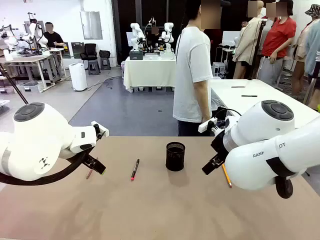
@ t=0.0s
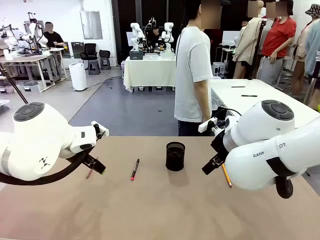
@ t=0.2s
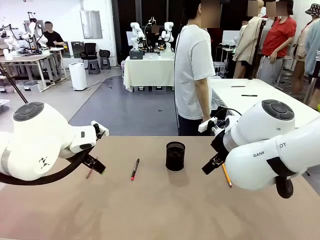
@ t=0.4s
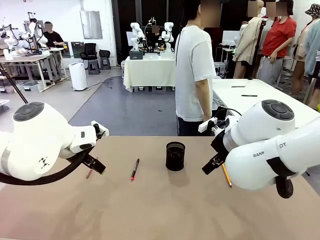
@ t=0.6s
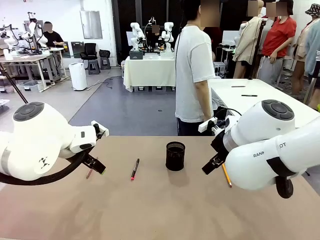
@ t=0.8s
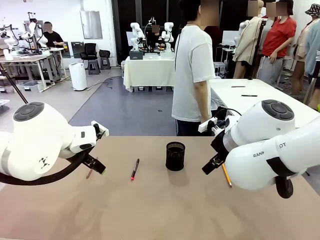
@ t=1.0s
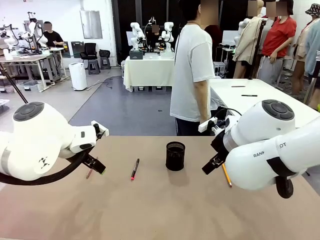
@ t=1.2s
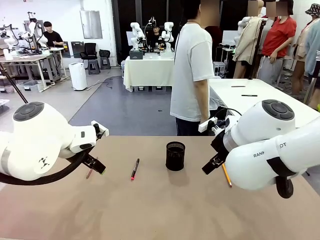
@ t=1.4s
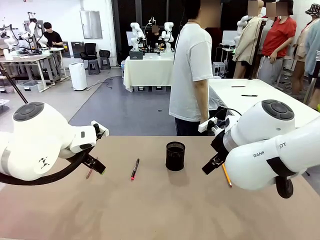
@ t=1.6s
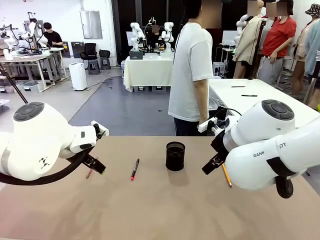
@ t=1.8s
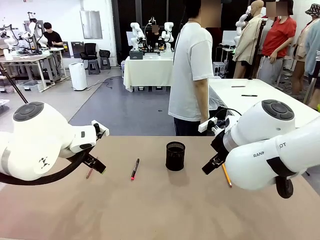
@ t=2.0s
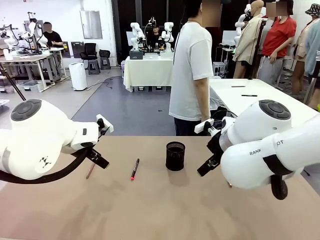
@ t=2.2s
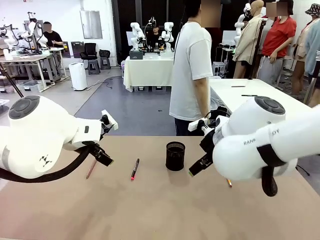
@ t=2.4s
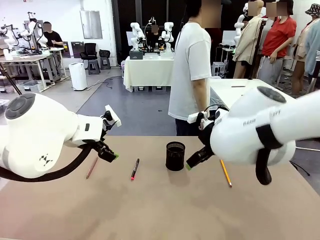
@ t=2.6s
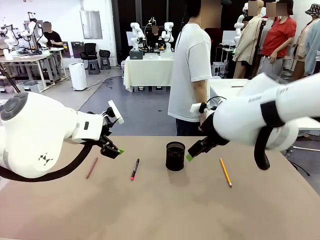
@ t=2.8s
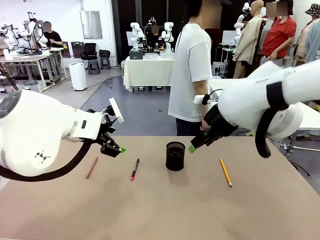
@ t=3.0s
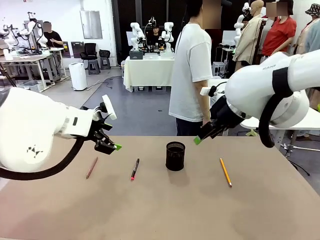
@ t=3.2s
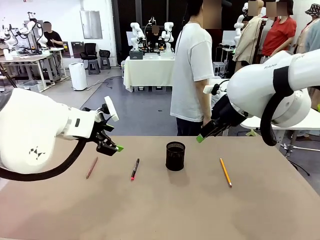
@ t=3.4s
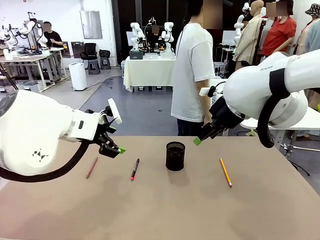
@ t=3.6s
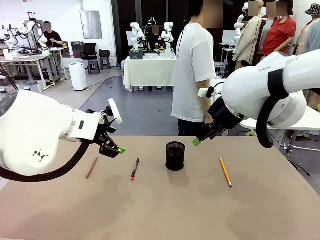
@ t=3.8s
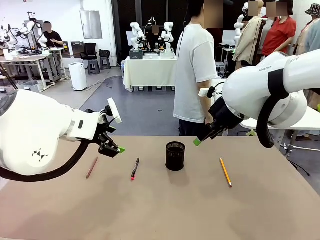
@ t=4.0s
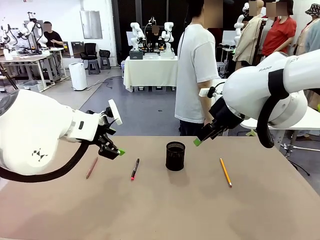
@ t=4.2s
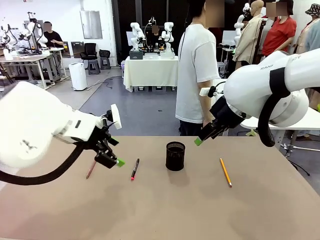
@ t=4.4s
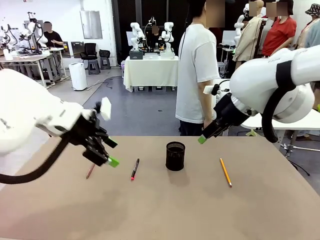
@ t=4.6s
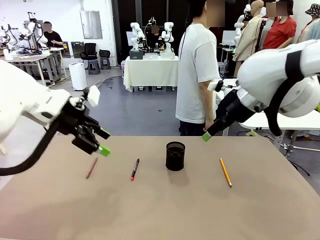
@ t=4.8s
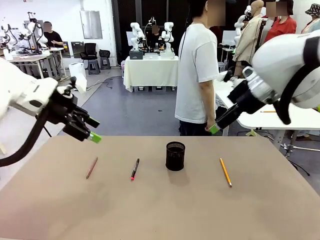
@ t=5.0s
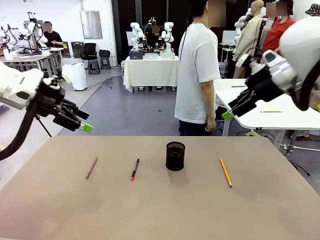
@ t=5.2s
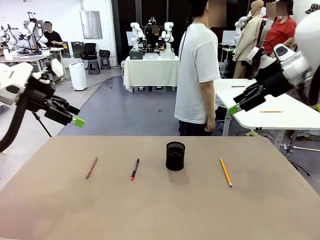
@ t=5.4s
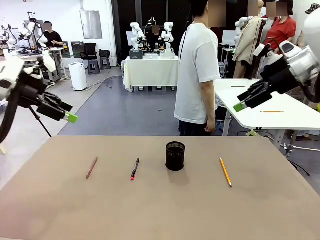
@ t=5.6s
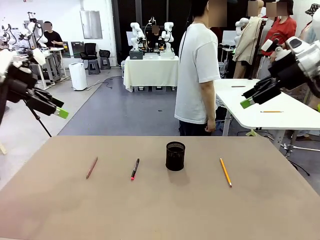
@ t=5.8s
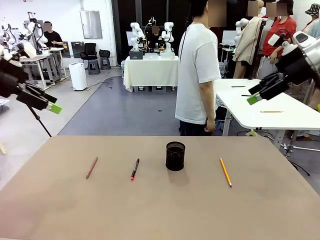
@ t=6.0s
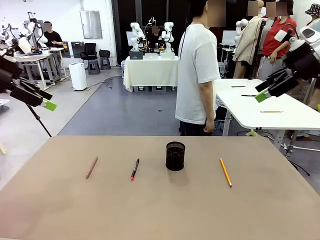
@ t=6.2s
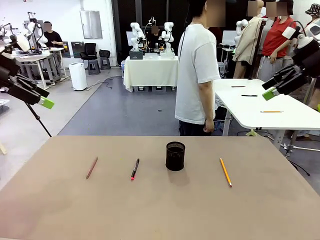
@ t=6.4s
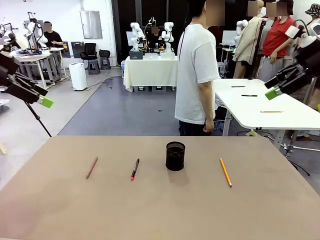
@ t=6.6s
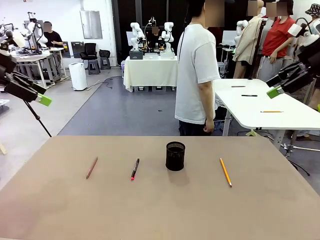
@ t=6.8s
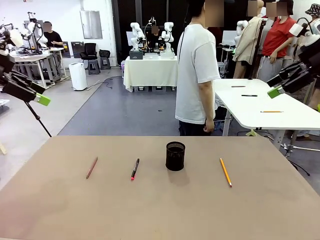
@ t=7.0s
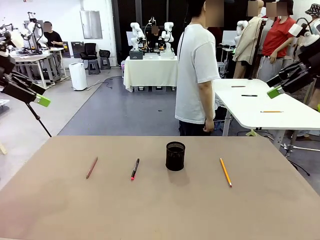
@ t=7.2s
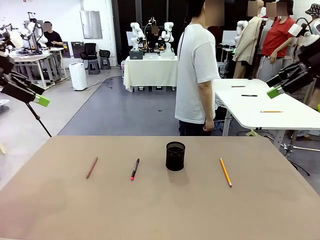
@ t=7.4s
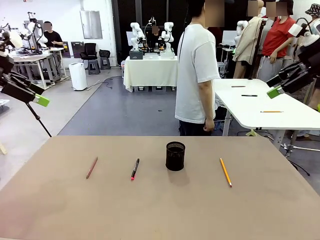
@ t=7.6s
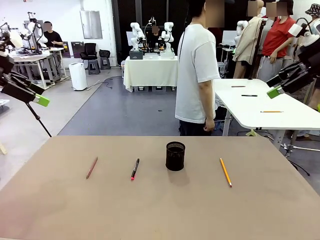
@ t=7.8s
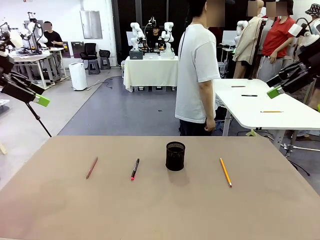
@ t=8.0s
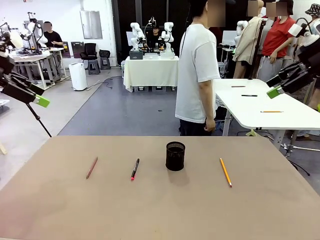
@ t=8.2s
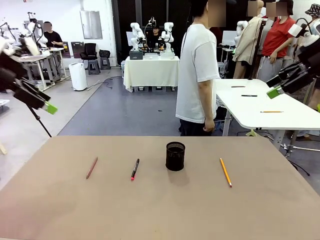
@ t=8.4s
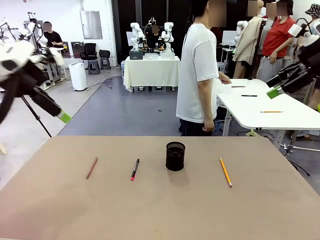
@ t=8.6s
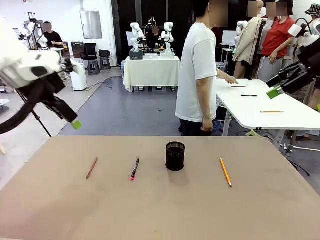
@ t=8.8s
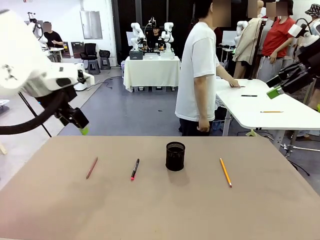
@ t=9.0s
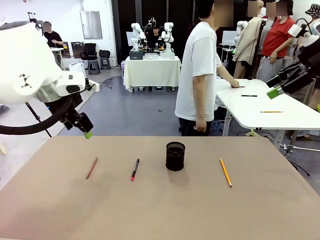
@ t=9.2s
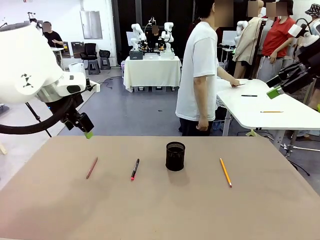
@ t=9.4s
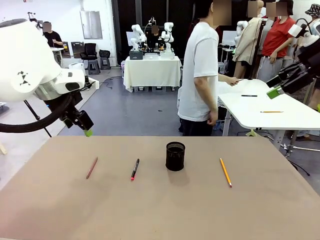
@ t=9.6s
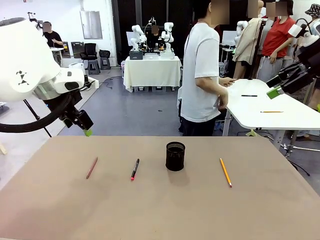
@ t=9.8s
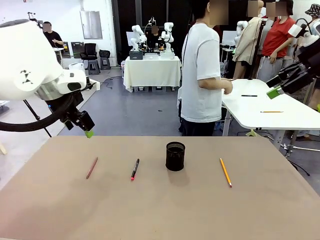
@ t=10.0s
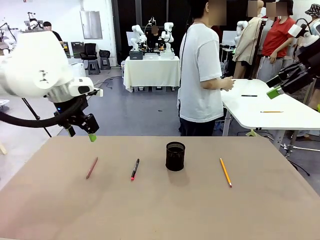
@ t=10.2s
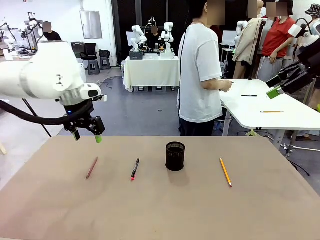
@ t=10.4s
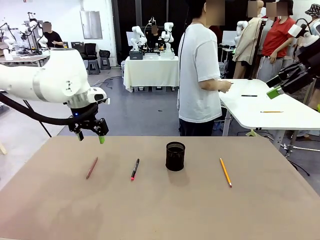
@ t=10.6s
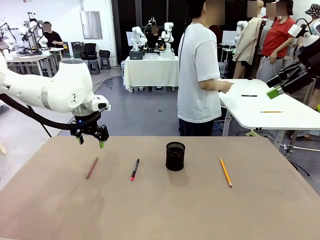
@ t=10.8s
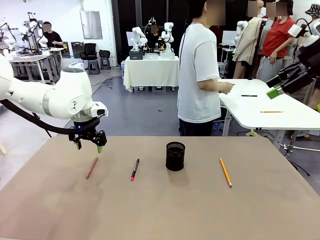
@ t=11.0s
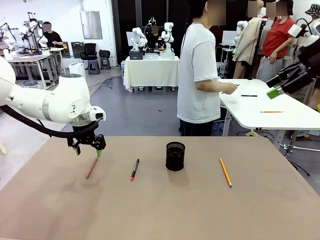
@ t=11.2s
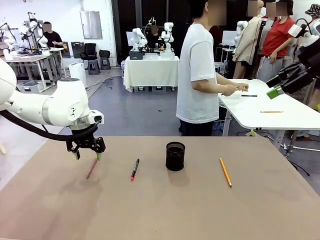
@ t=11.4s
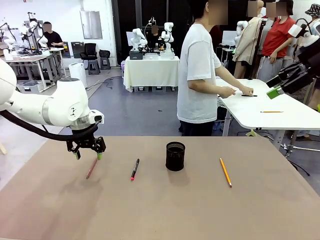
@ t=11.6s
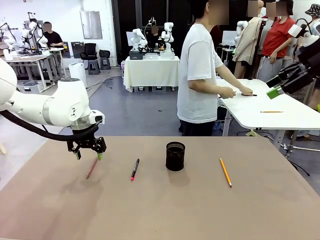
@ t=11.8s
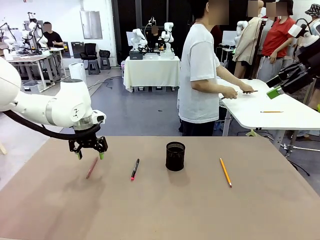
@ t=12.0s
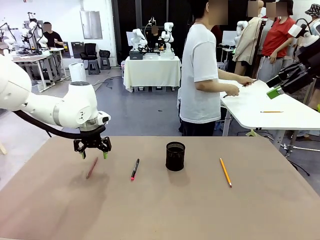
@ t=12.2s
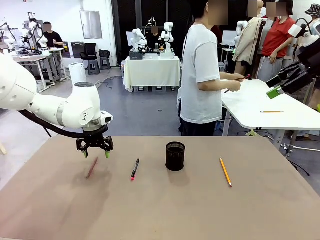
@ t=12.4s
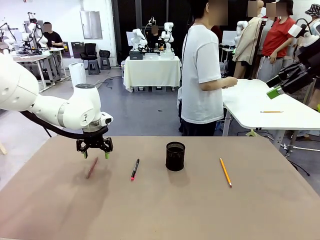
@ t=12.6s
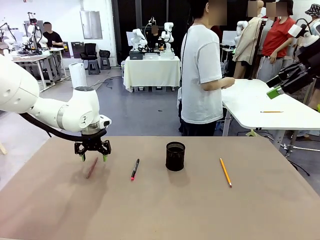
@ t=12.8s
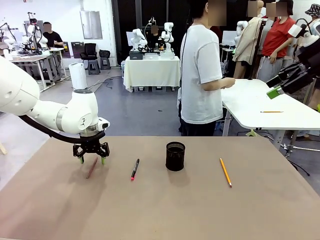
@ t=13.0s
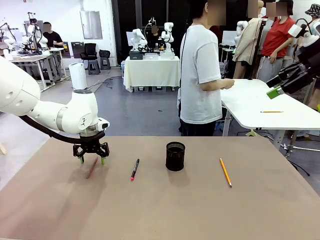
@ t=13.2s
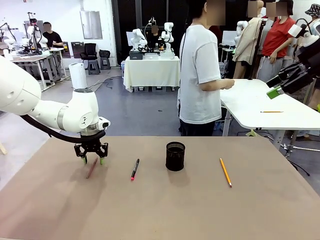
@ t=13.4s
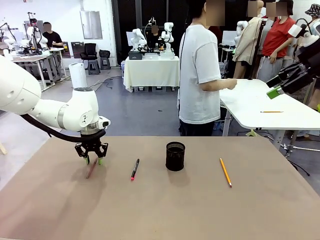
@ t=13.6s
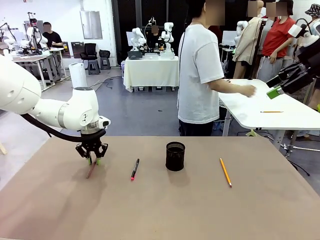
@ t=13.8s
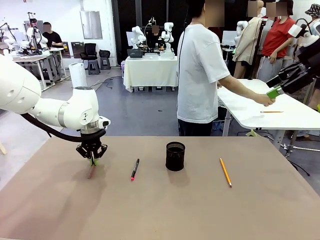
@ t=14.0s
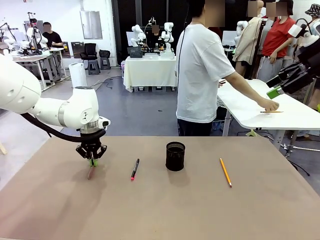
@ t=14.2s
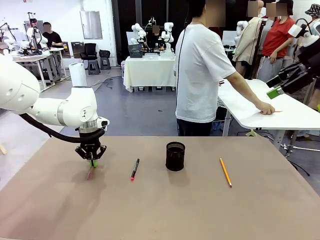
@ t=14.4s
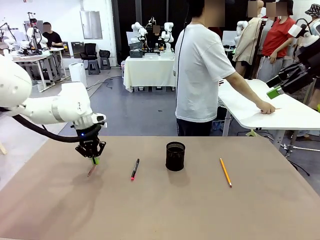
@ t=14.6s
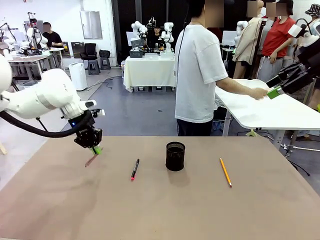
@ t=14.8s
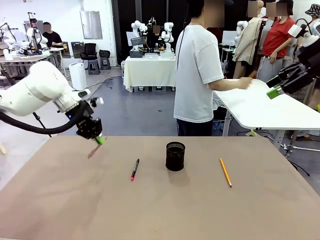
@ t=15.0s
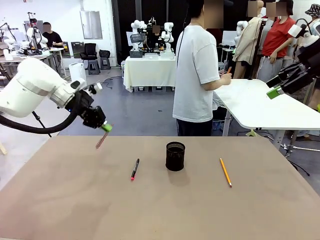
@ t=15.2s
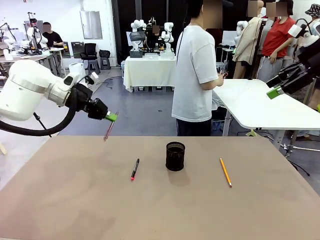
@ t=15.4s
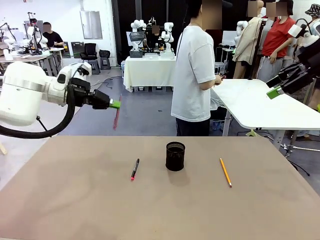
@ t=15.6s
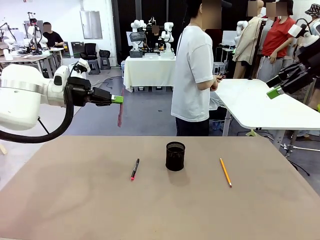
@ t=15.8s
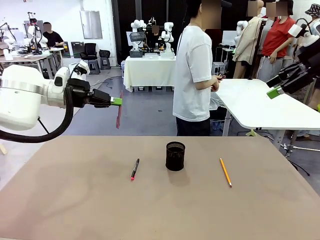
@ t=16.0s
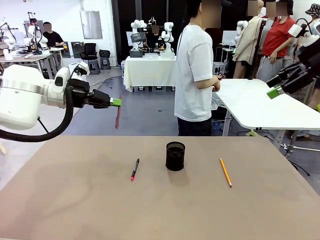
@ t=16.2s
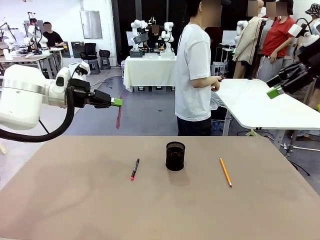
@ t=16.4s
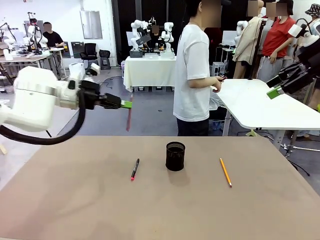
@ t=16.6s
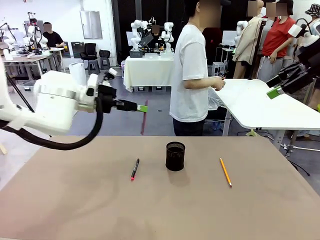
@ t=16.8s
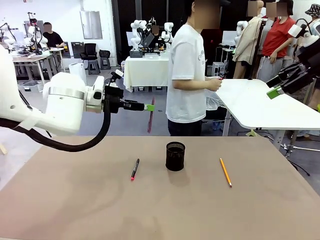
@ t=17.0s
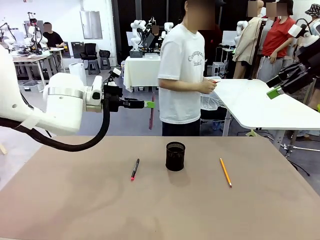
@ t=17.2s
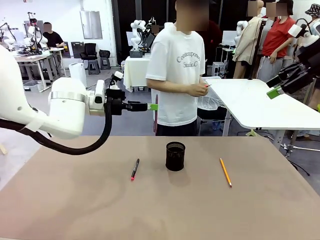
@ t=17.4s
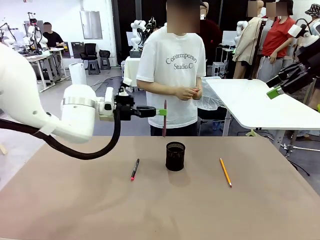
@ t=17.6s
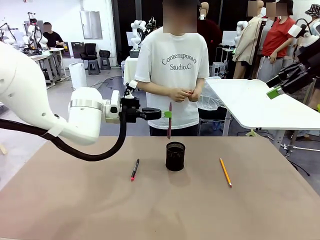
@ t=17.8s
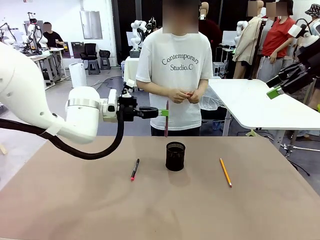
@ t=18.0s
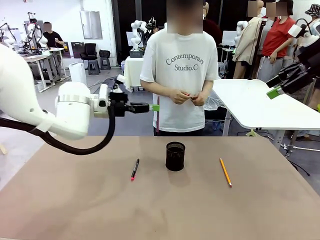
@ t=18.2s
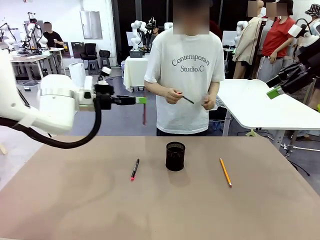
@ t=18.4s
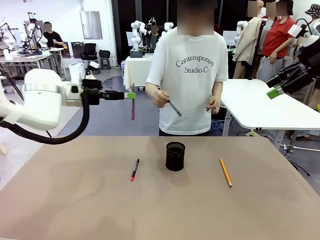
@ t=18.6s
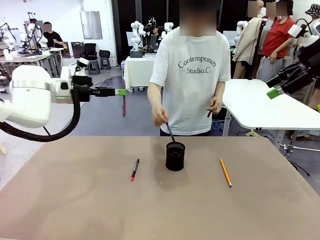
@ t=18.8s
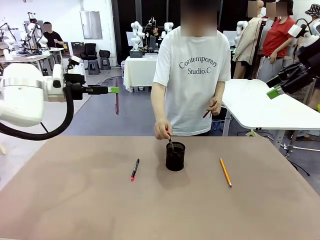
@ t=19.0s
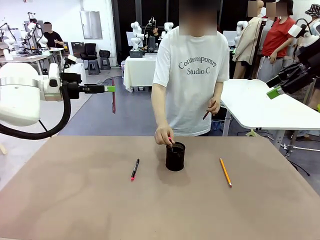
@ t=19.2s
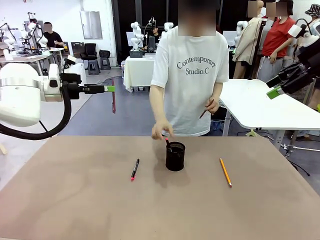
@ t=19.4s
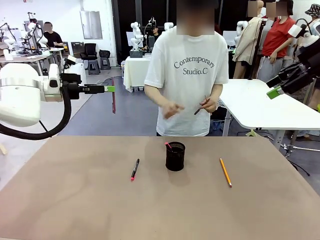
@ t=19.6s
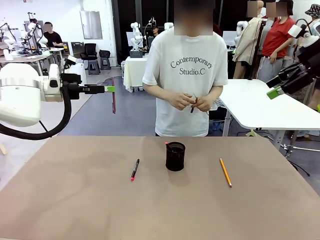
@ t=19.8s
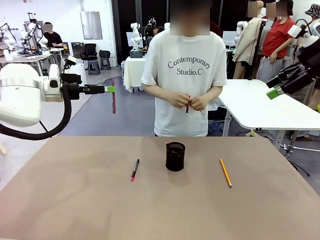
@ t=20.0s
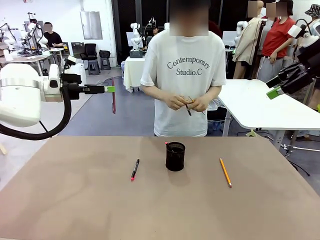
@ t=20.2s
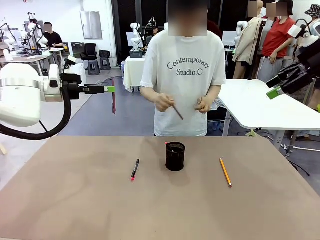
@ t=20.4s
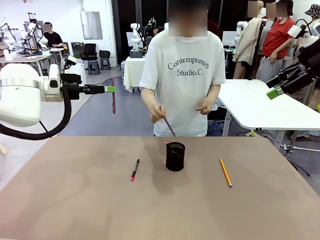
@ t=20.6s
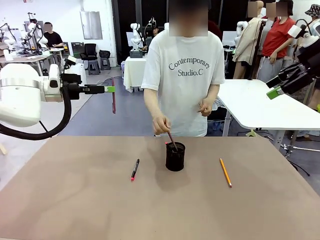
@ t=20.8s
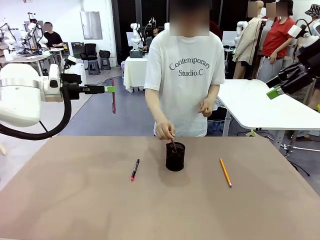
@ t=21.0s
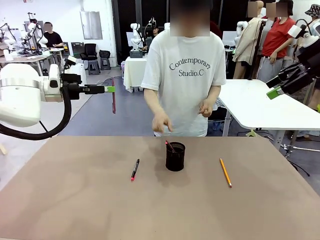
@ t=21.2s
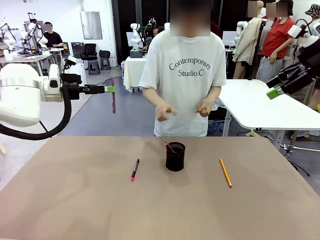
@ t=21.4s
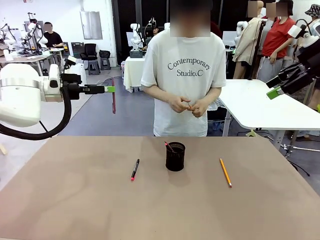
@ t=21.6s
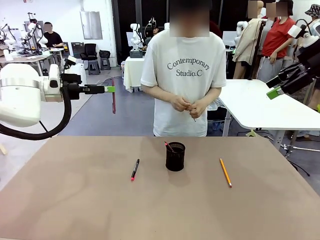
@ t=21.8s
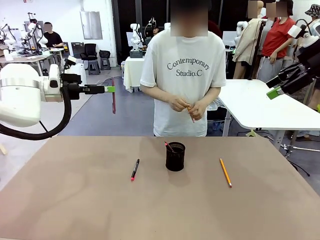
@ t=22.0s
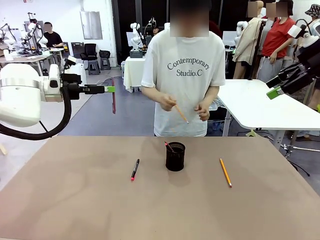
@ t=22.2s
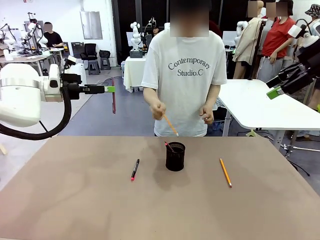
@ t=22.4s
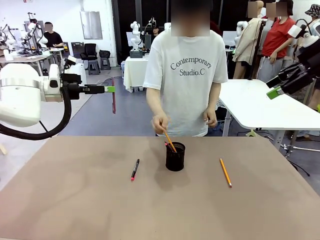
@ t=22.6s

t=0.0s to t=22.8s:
Task: Place the pens into the pen holder.
Robot: Pick up a writing instrument from the table and place it into the Pen holder.
Person: Pick up all writing instruments from the Human table.
